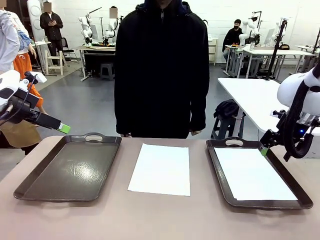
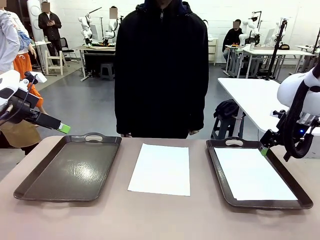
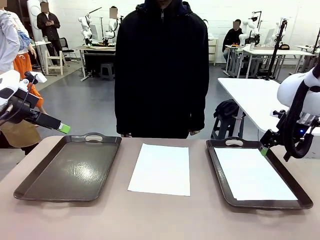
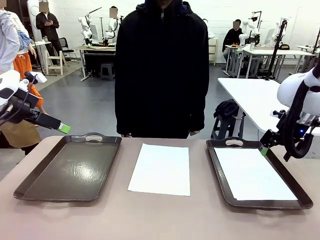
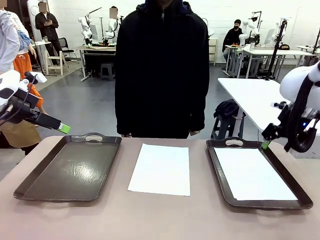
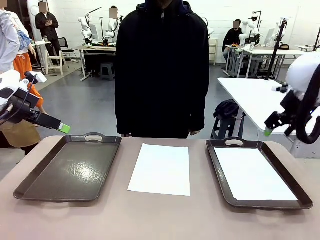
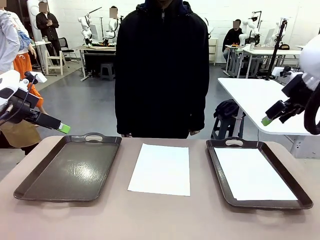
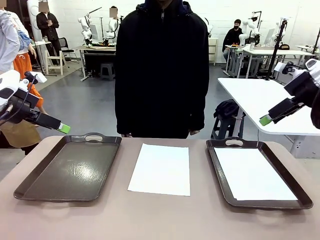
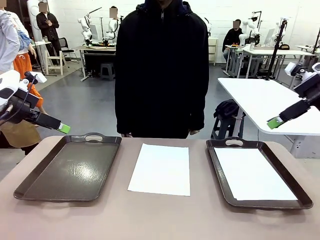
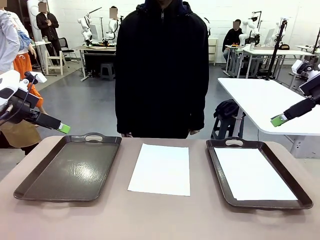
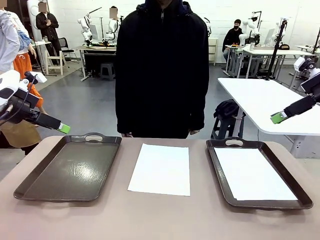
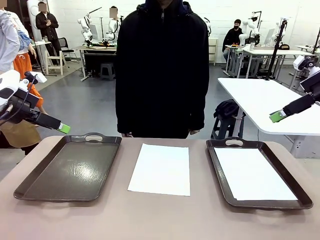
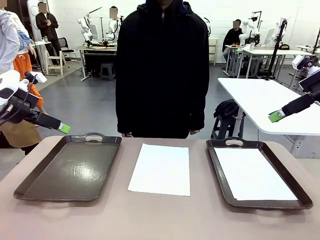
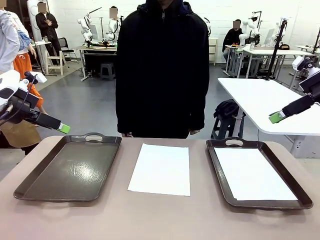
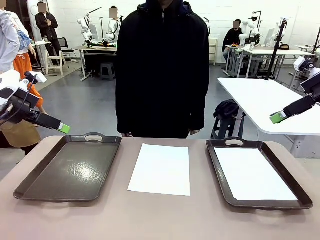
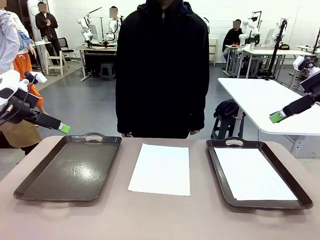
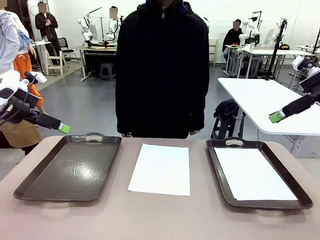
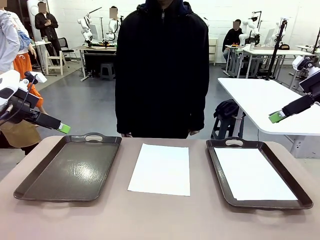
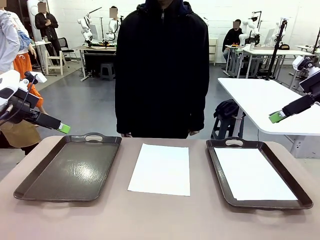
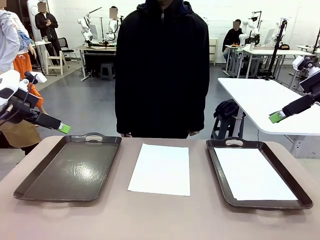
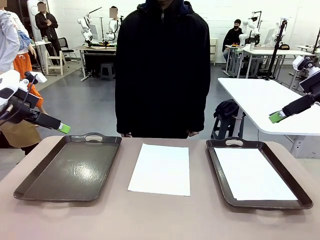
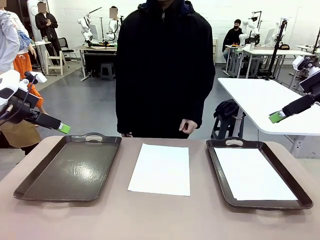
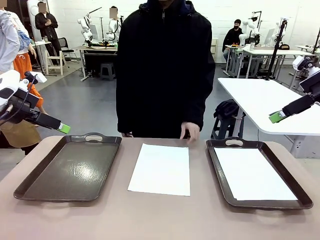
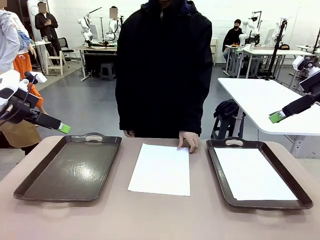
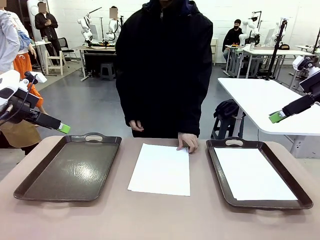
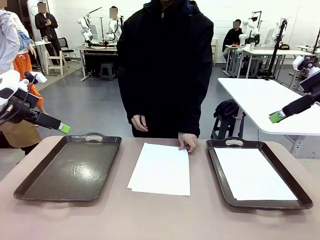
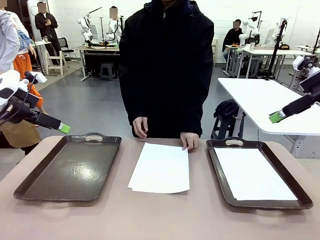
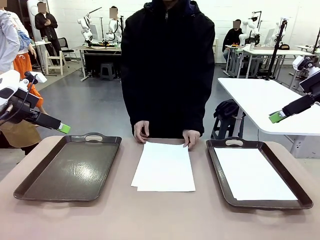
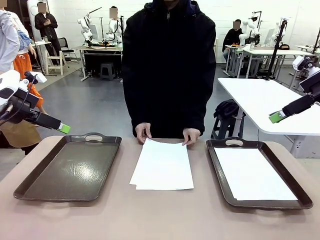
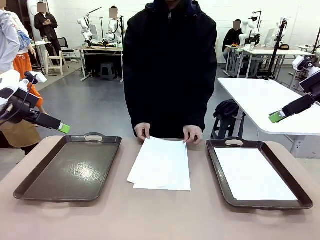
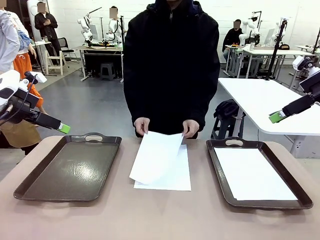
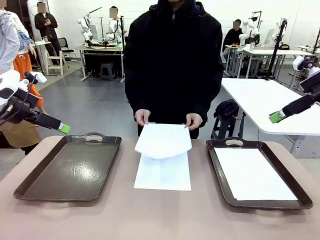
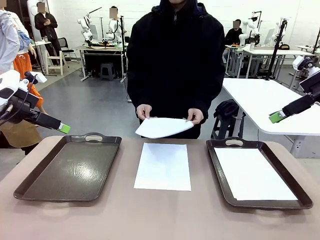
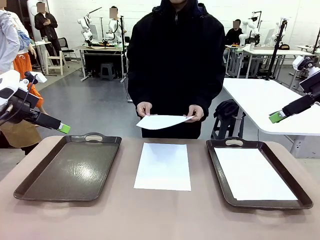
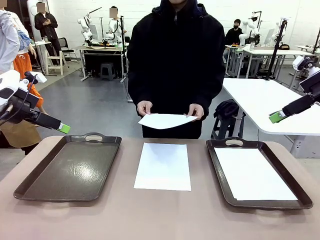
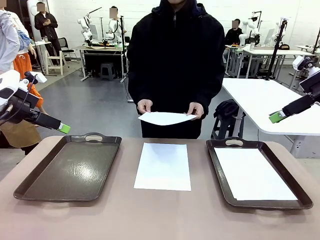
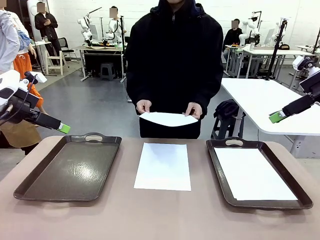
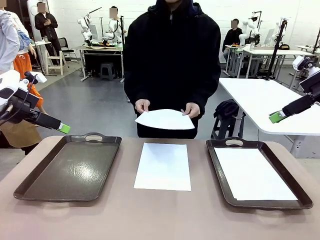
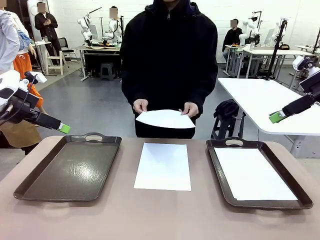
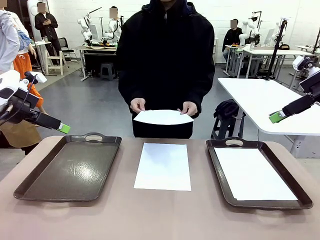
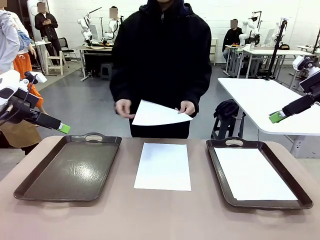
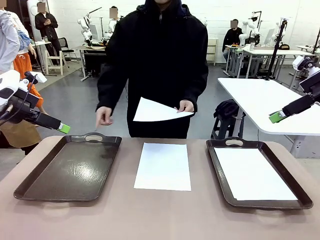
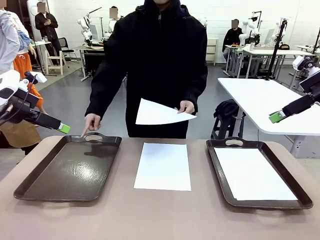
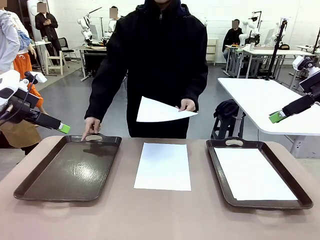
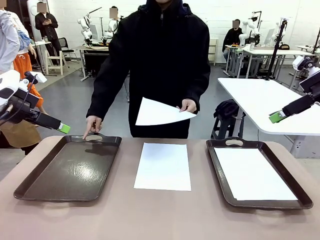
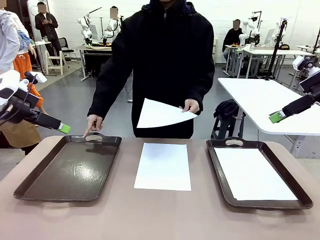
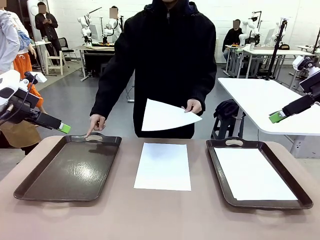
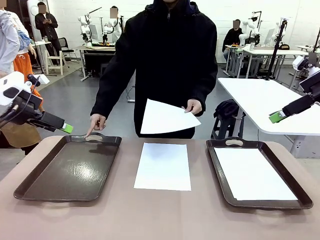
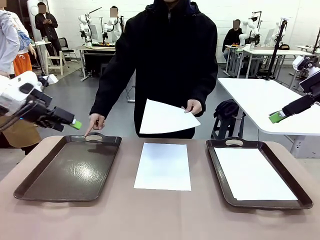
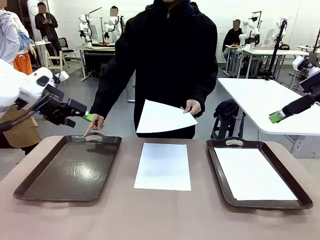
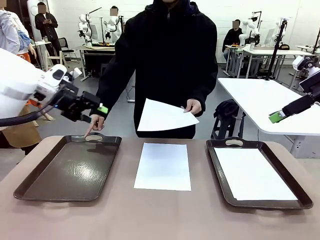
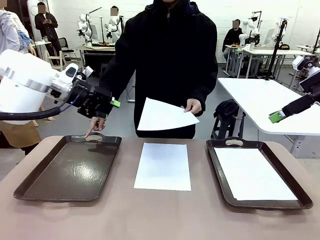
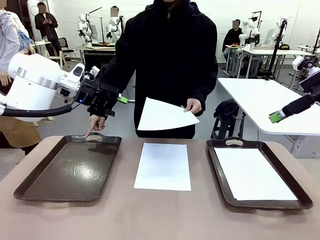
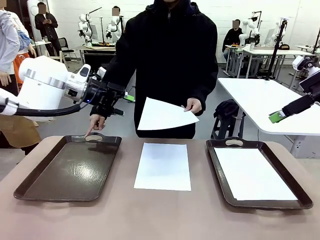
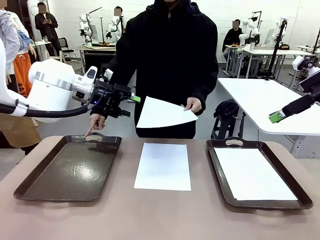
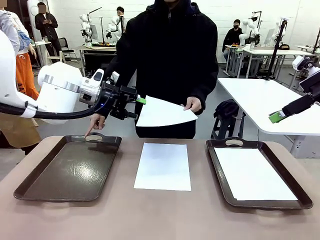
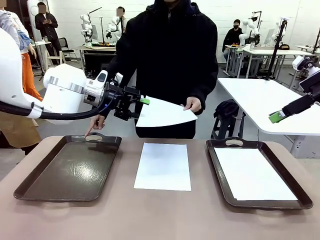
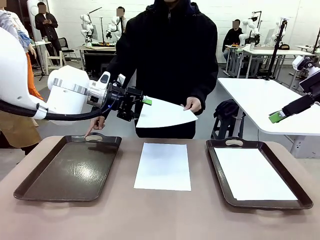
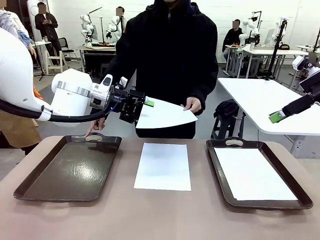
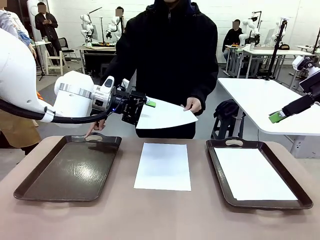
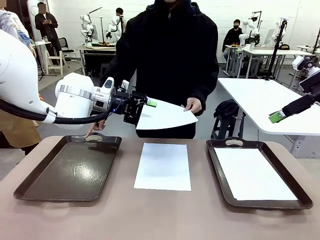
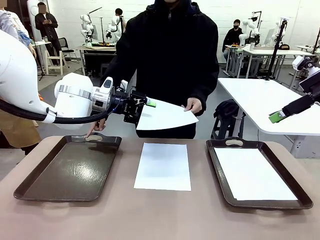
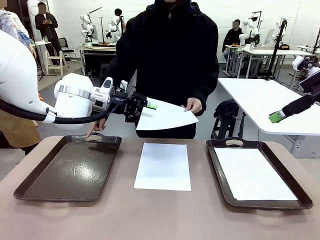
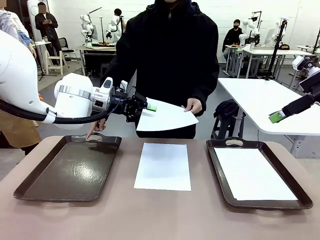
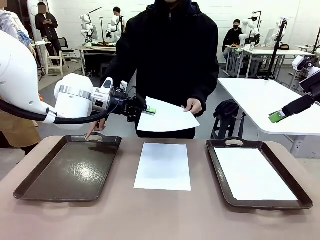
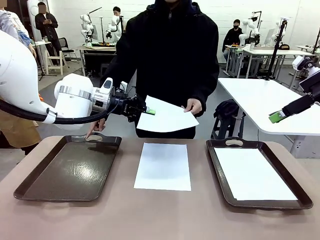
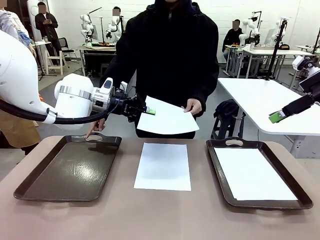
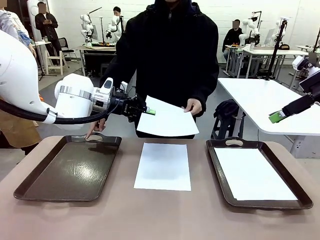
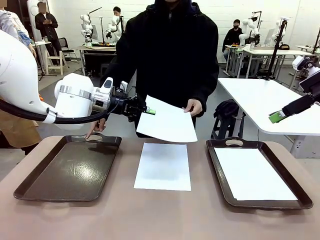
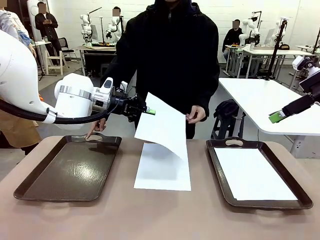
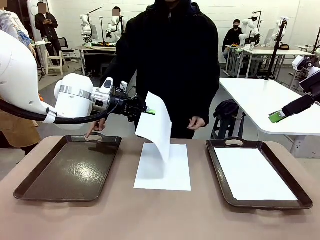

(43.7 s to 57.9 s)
Task: Sort the A4 documents.
Robot: Receive the A4 Paper.
Person: Point the randomly selected tray with the other hand.

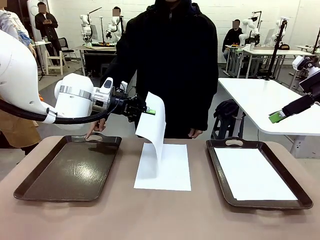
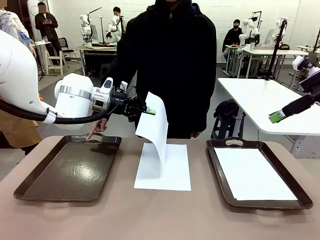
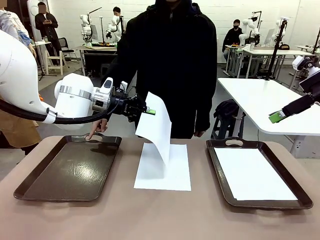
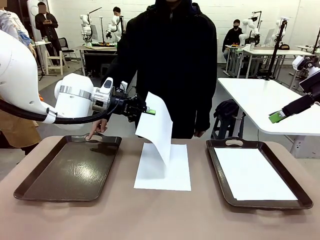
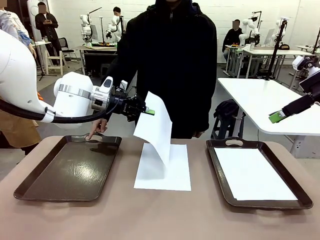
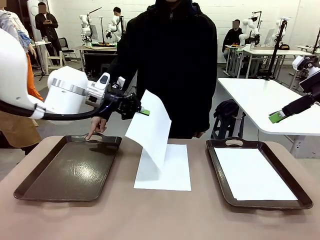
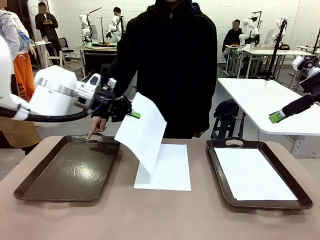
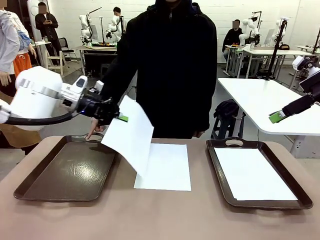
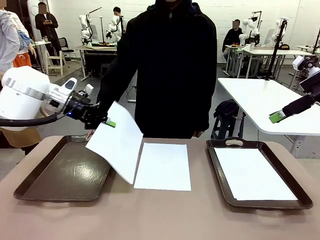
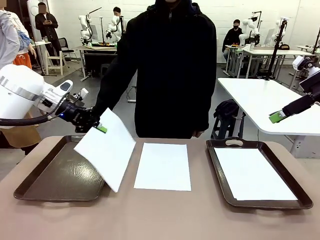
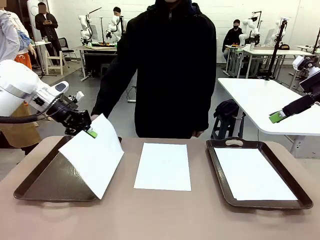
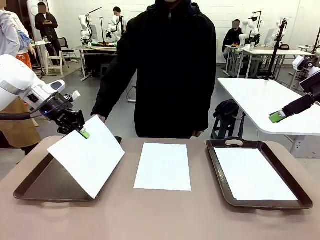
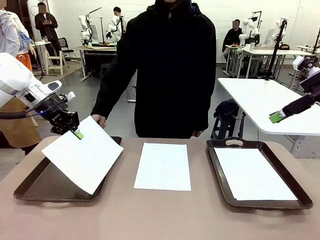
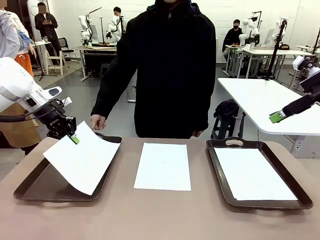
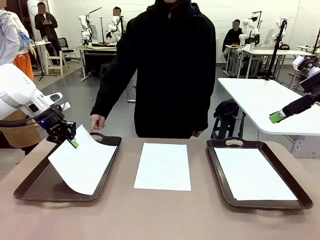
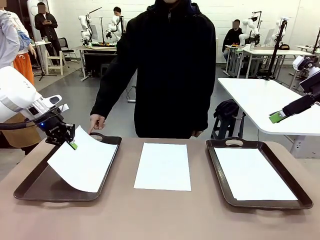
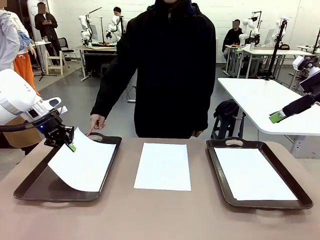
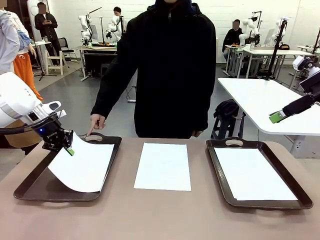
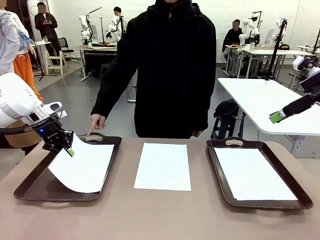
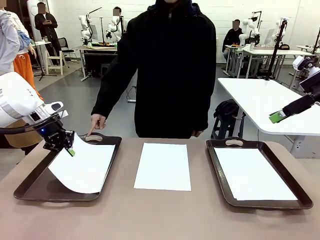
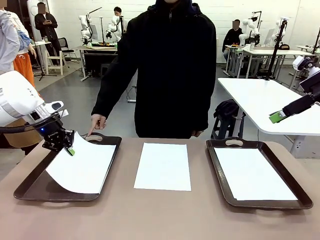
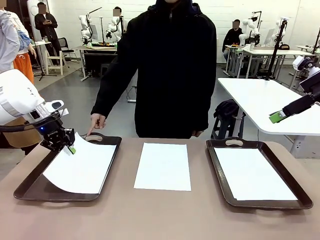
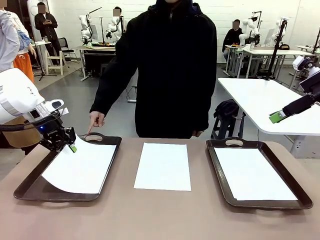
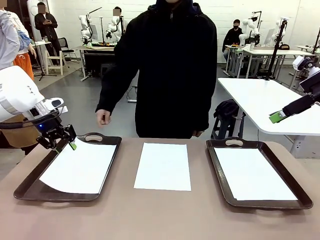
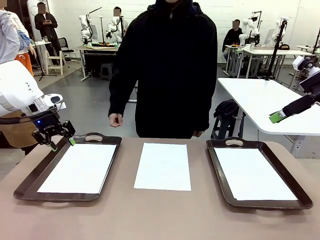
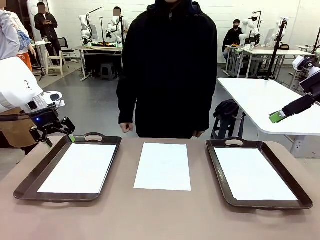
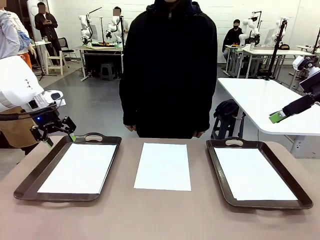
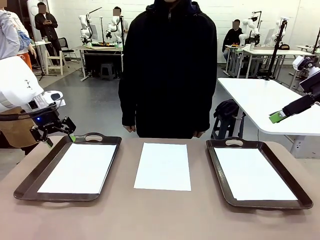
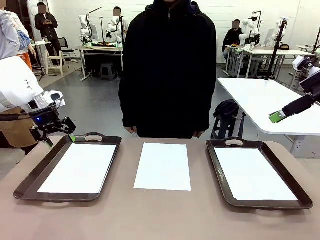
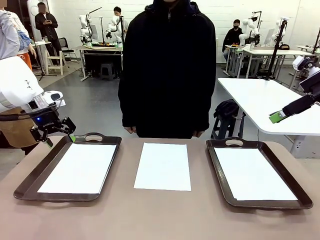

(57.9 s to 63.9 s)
Robot: Place the A4 Paper in the designated Handle tray.
